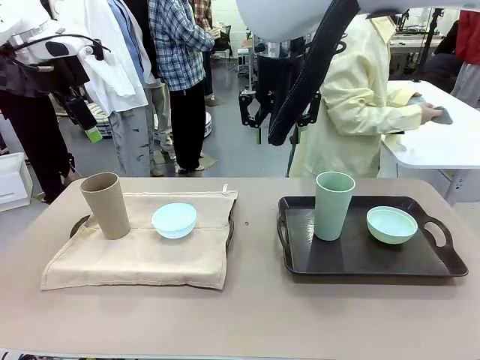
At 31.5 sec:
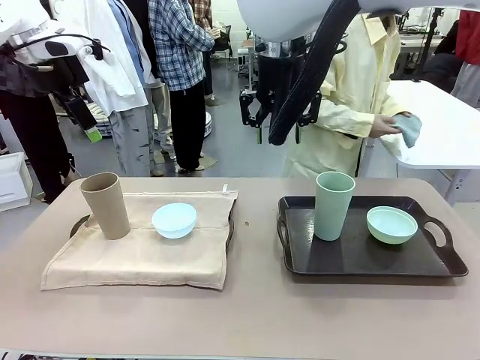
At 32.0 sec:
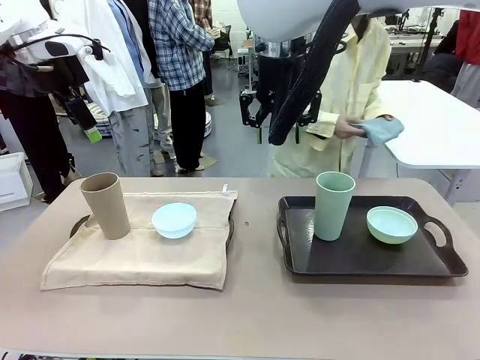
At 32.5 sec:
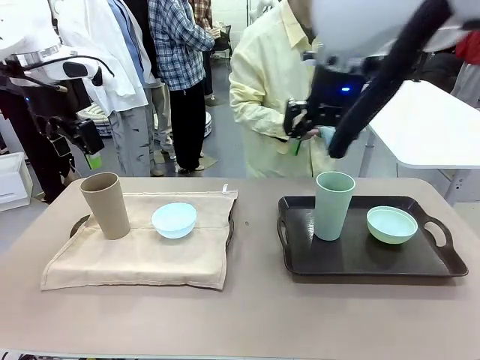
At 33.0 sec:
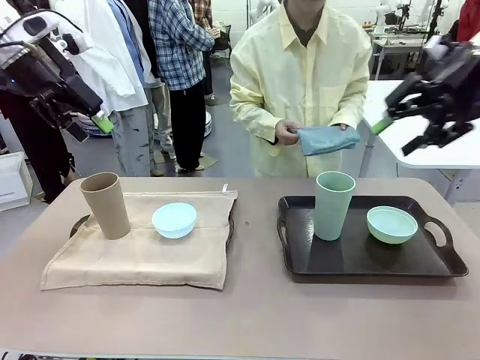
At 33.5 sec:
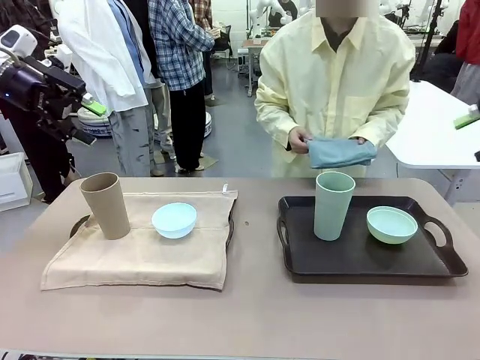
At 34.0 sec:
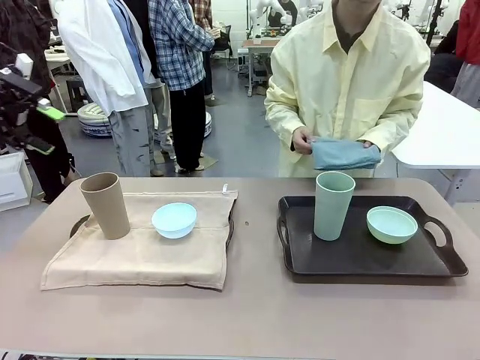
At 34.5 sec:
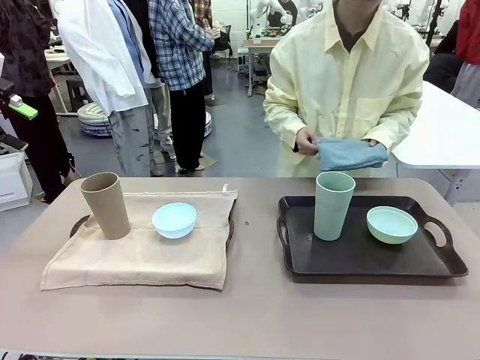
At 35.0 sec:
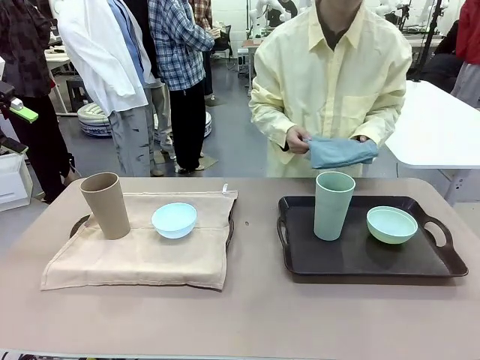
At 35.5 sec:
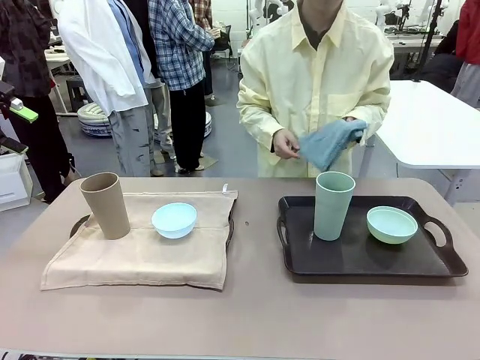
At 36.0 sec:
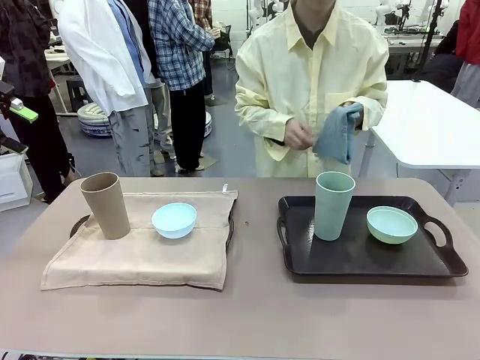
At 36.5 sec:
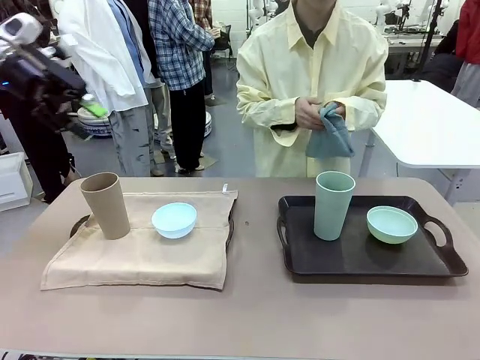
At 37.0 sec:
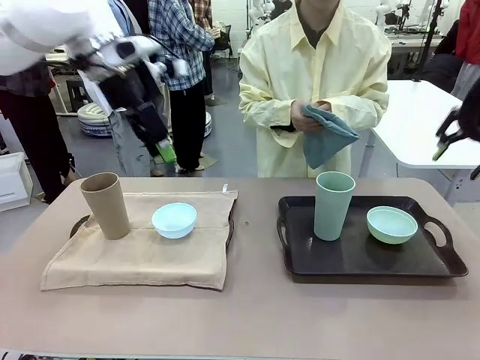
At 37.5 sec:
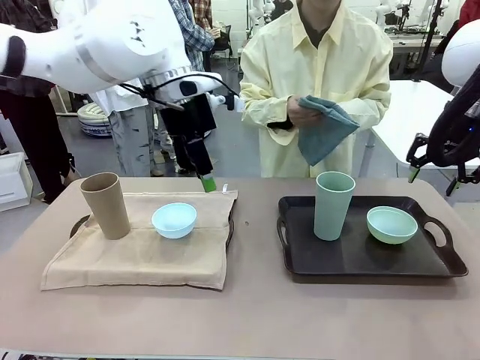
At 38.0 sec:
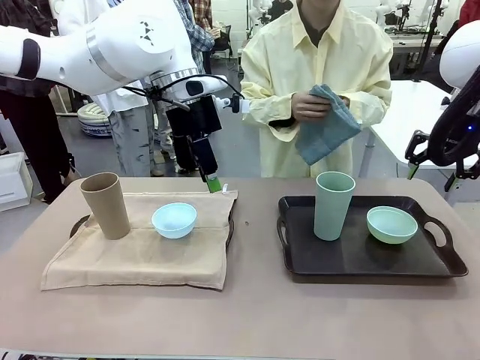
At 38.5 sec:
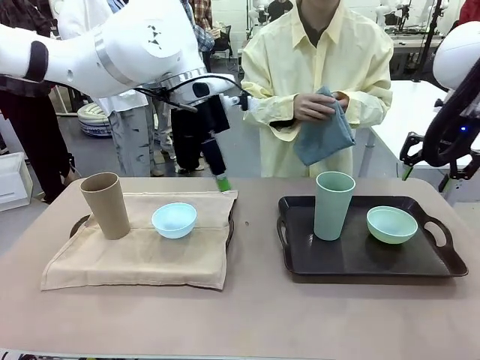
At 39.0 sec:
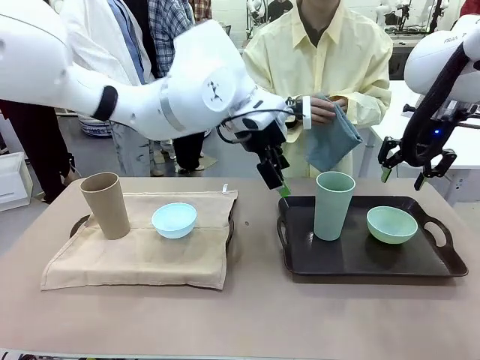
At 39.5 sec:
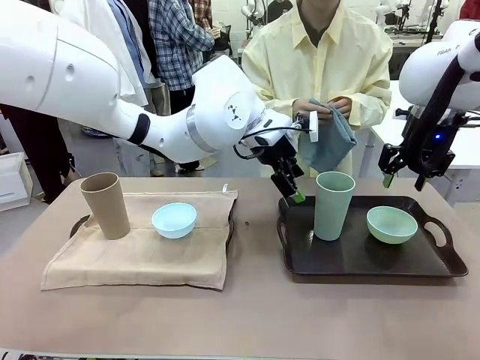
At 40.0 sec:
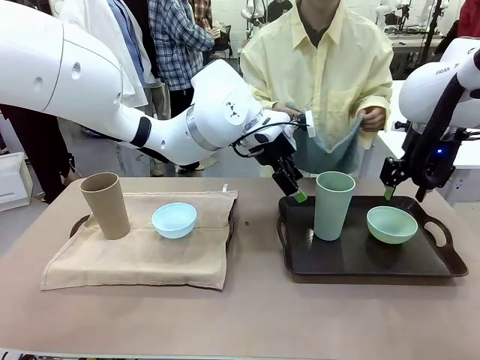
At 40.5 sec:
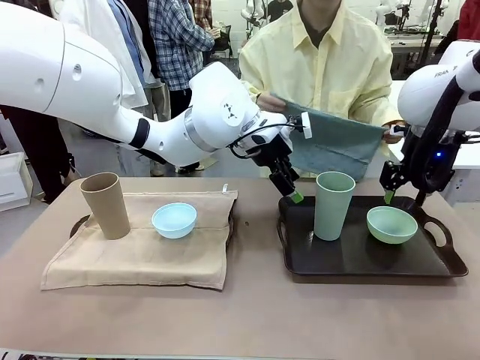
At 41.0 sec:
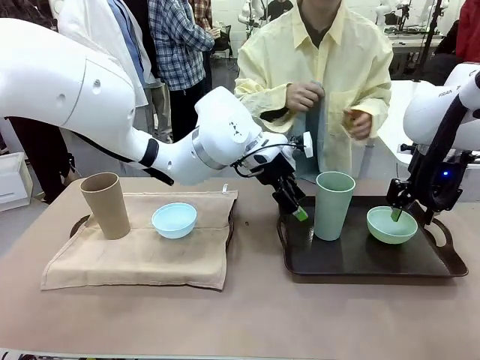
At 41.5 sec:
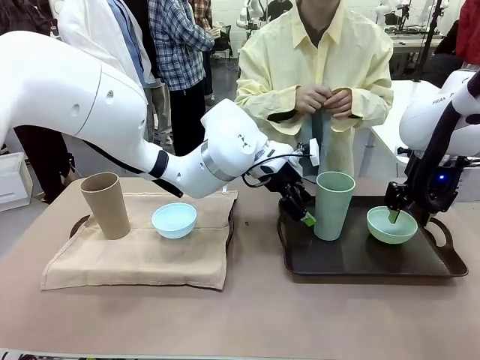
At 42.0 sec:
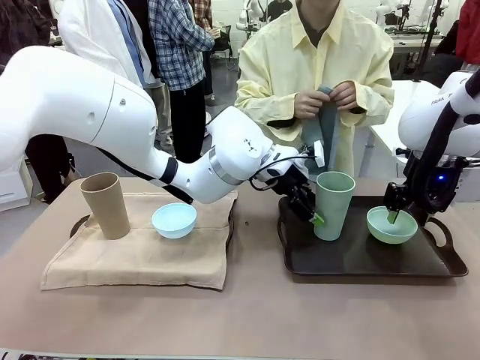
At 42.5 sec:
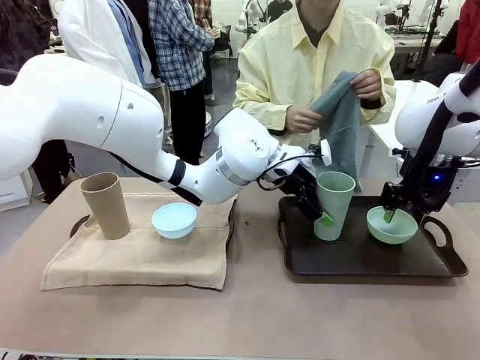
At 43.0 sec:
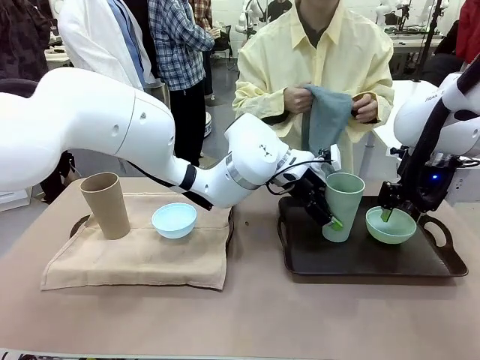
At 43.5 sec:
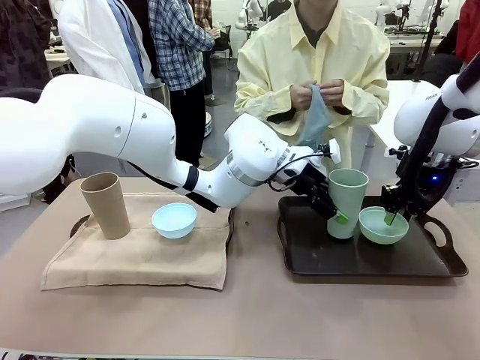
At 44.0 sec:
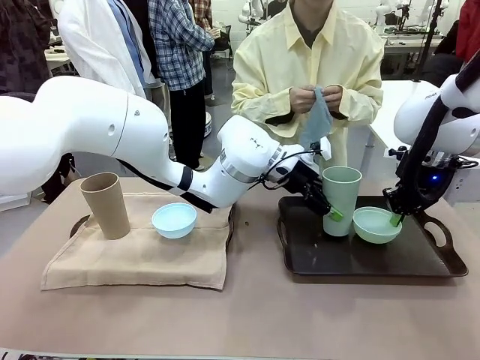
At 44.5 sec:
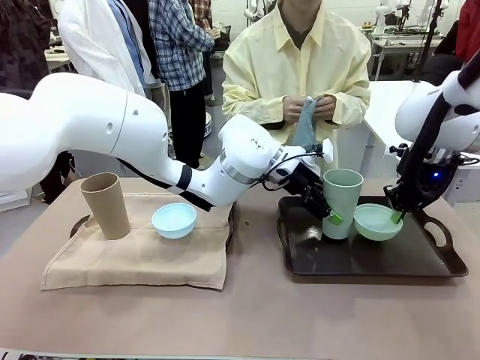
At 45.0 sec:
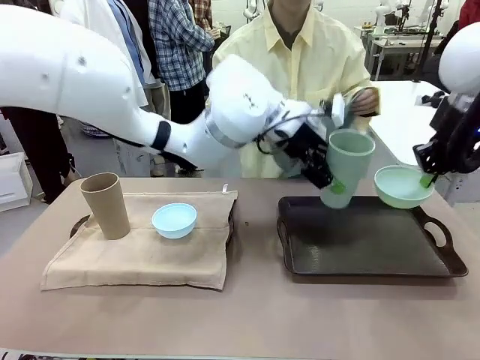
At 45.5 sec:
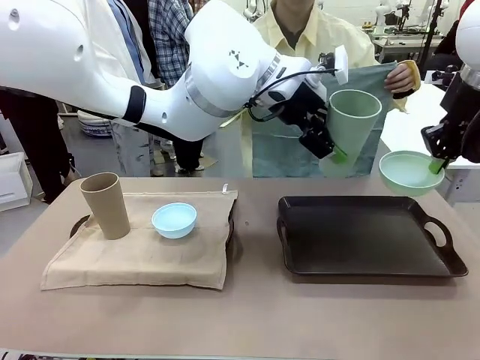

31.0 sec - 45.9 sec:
Robot: Pick up the Picnic Bowl and Reusable plastic cup from the Handle tray in front of the human's position and hold them in the air.

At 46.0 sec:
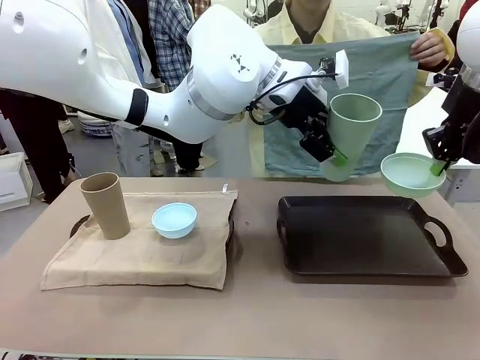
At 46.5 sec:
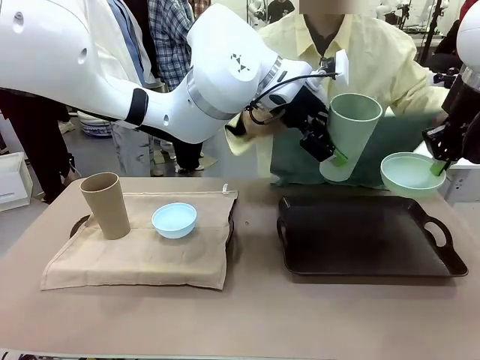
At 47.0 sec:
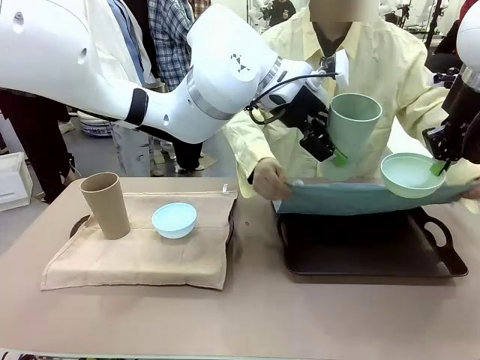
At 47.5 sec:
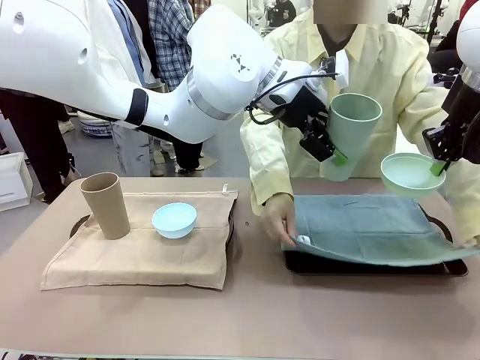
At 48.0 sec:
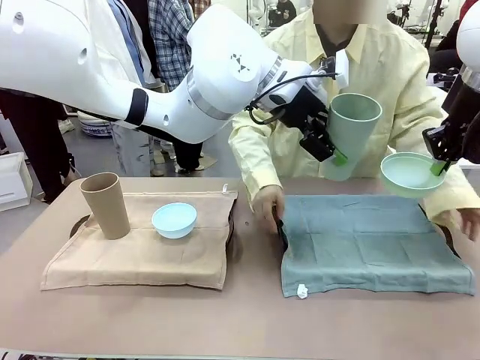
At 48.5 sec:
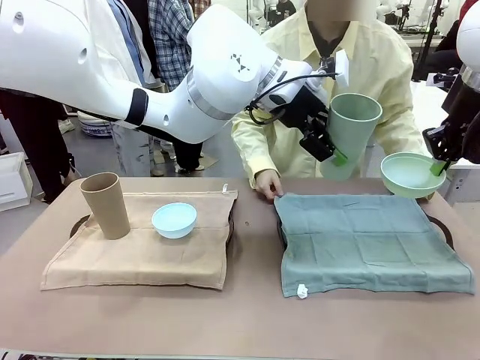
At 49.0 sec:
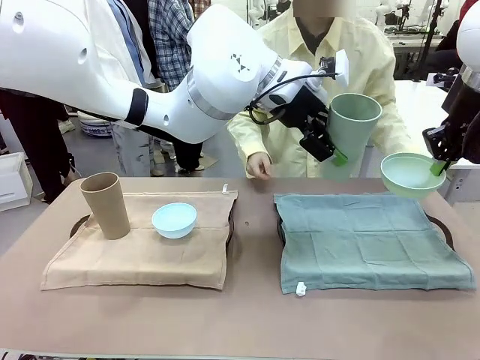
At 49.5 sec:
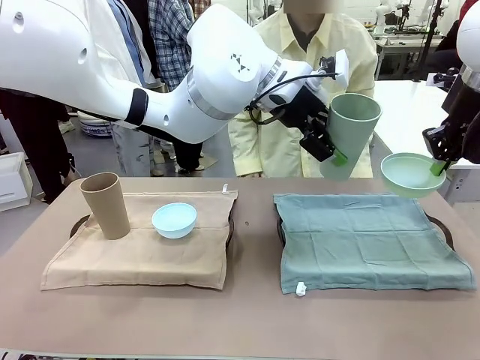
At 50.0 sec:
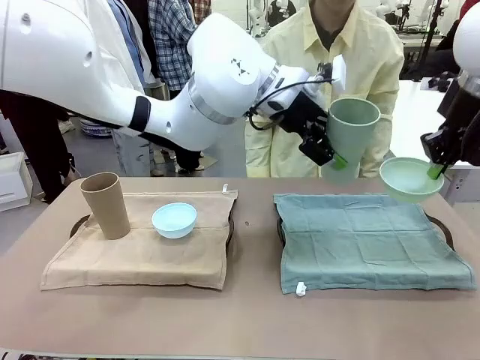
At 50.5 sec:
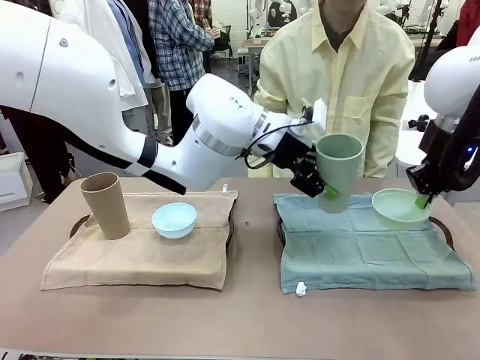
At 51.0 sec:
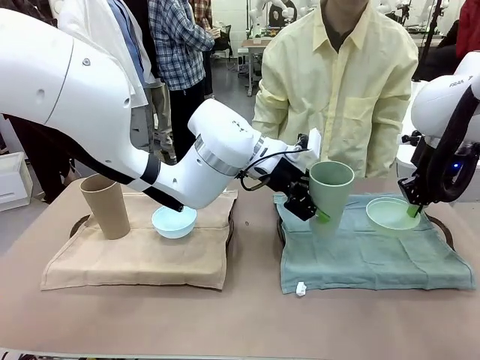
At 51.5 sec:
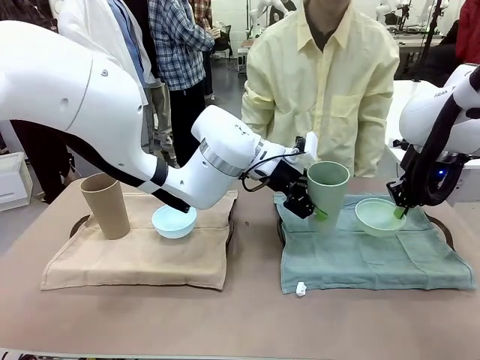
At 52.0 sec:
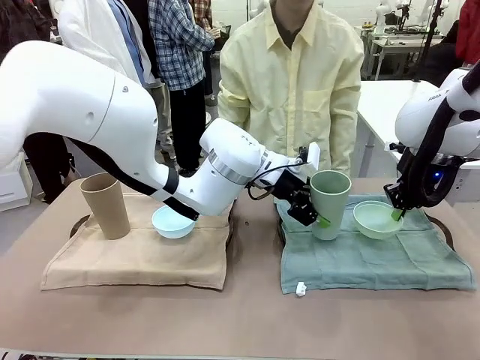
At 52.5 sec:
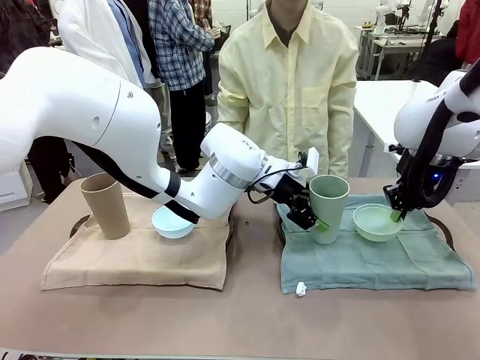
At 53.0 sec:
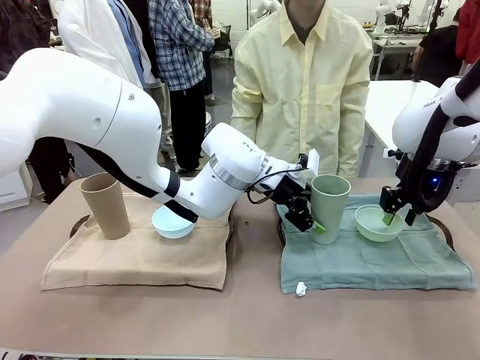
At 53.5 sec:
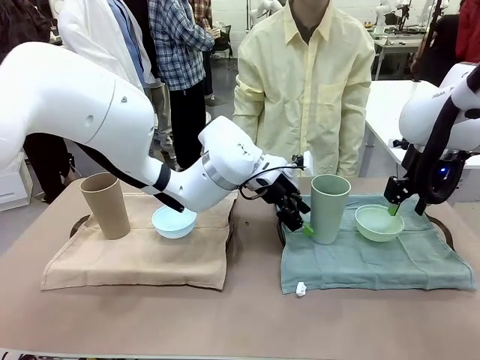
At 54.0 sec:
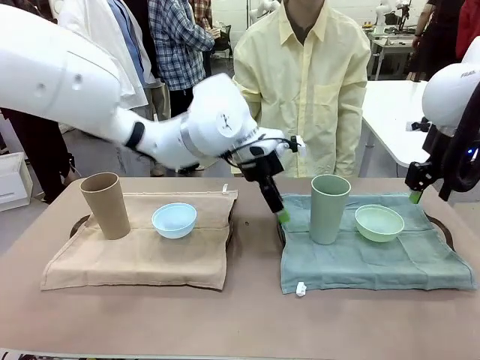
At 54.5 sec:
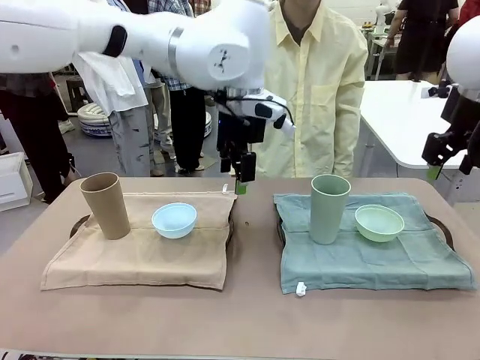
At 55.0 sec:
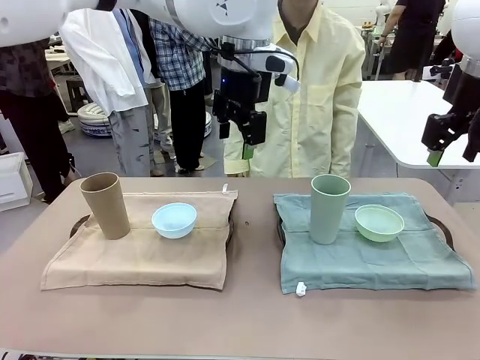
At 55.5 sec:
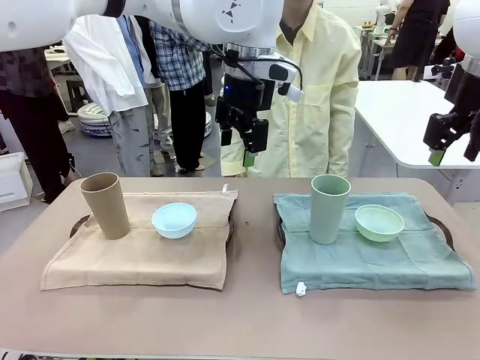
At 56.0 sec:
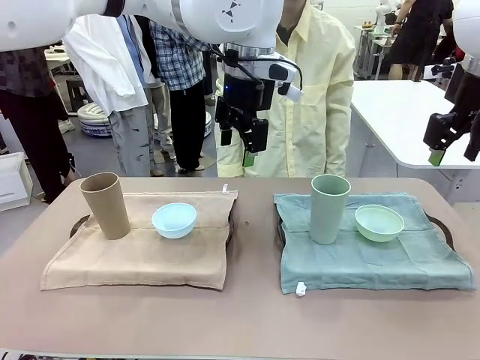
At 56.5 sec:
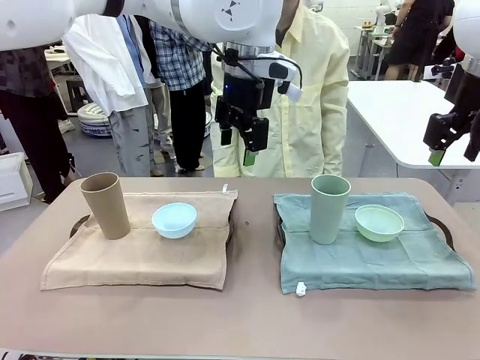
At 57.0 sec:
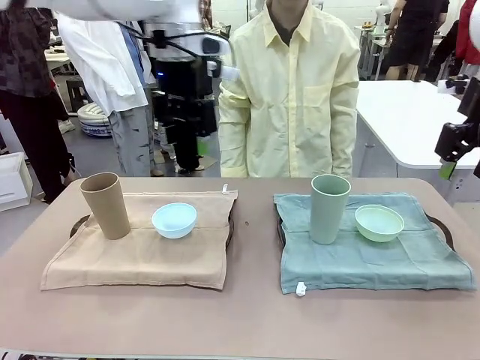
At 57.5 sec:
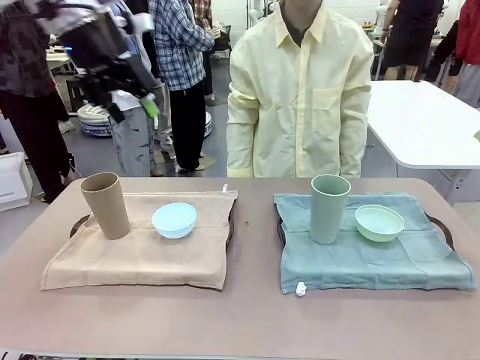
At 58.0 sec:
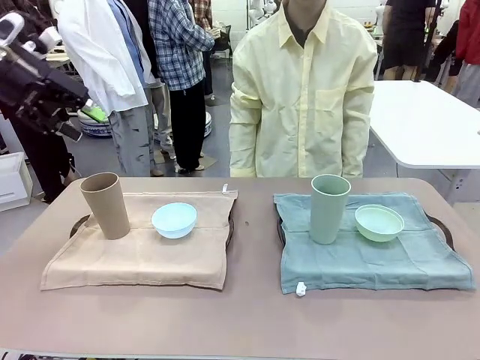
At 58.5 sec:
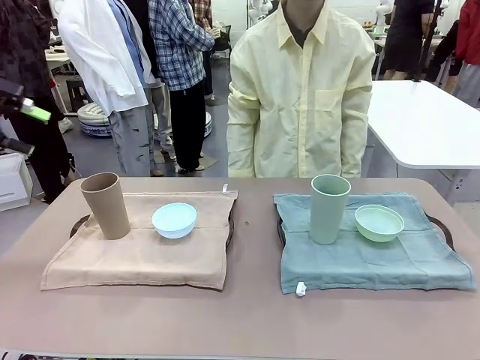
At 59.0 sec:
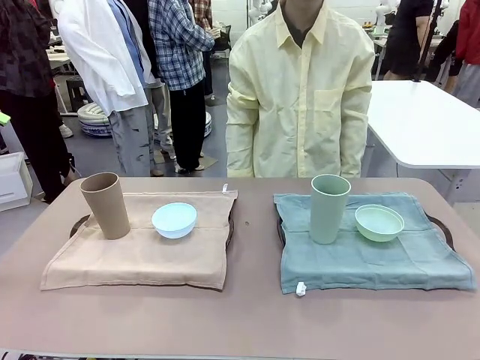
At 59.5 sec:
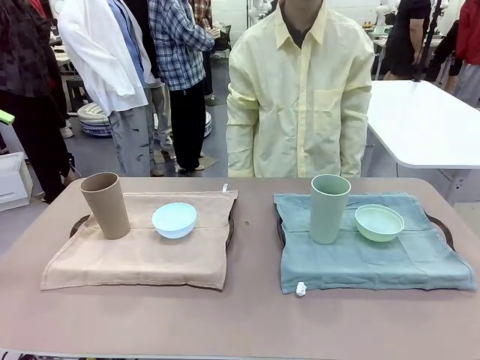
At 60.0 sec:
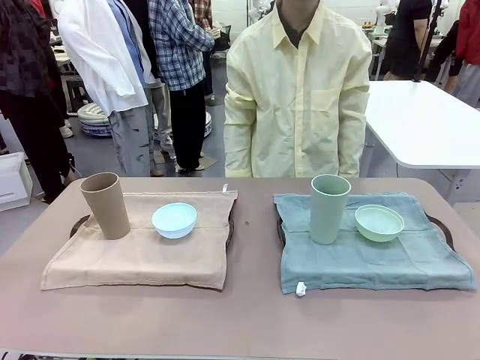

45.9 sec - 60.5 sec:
Robot: Place the Picnic Bowl and Reusable plastic cup back onto the Handle tray in front of the human's position.
Person: When the robot lifts the bowl and the cup, the human unfolds the napkin and lays the napkin flat on the tray.
